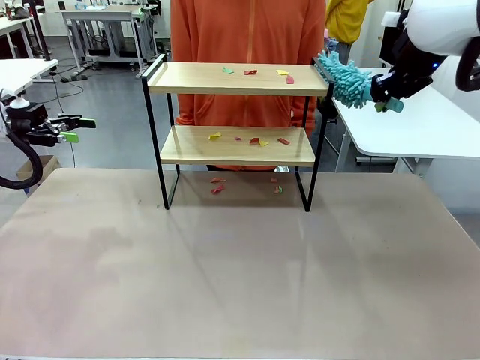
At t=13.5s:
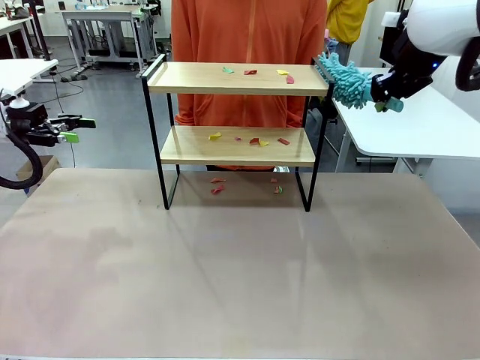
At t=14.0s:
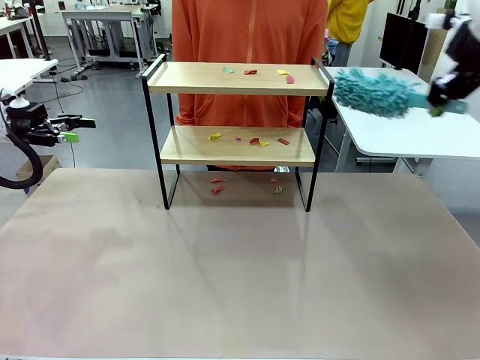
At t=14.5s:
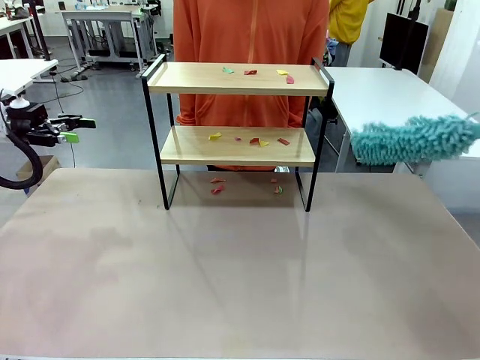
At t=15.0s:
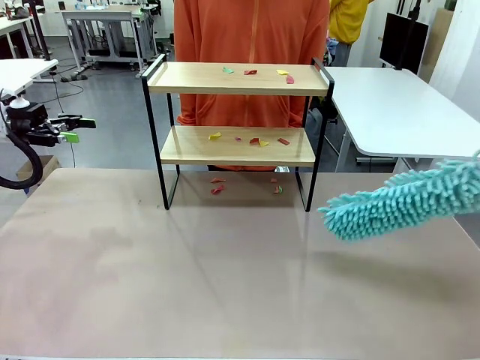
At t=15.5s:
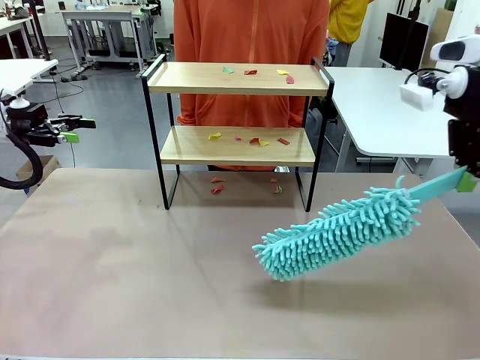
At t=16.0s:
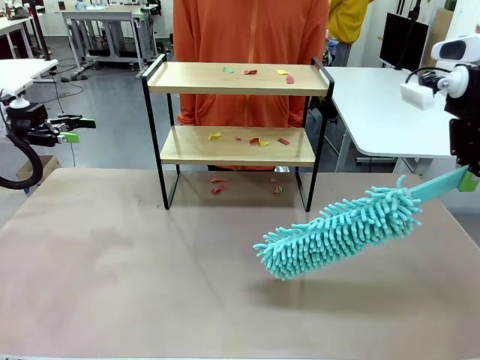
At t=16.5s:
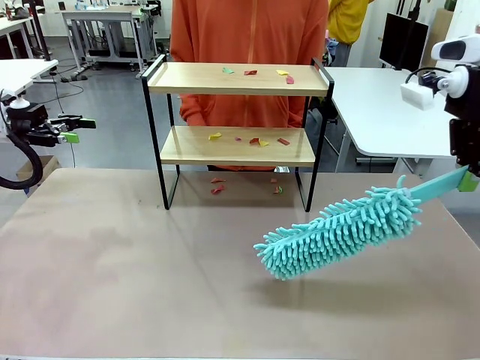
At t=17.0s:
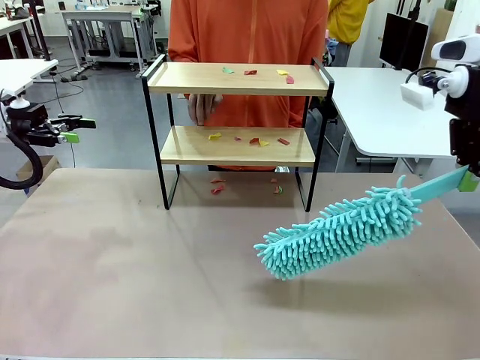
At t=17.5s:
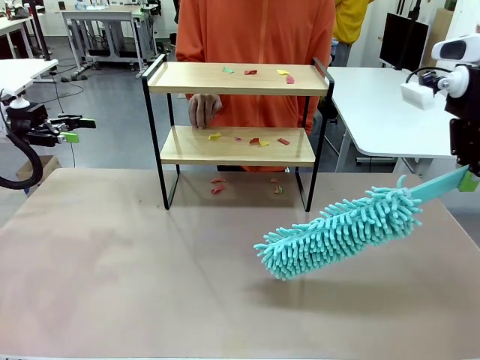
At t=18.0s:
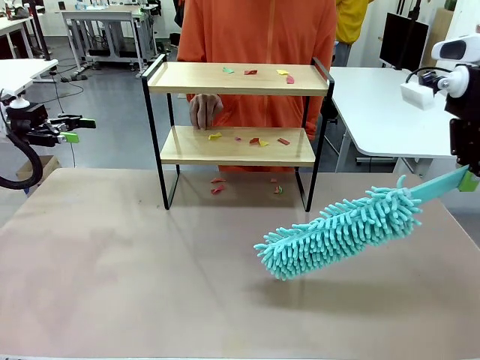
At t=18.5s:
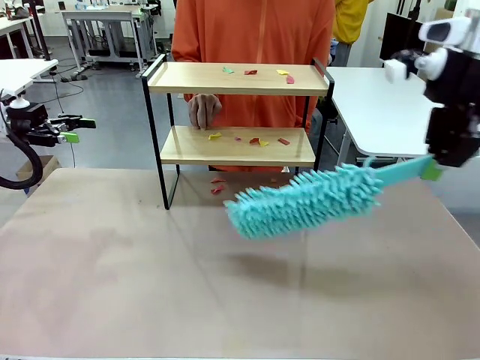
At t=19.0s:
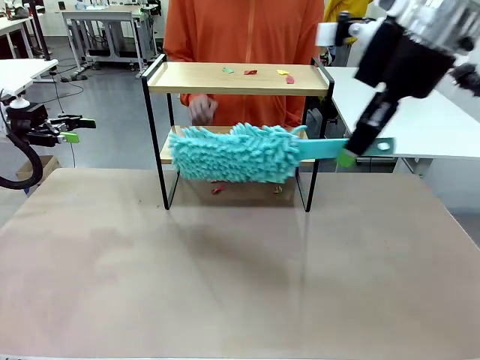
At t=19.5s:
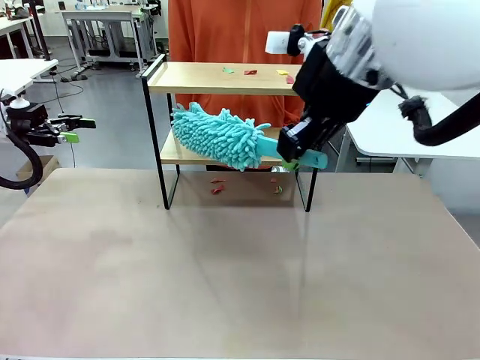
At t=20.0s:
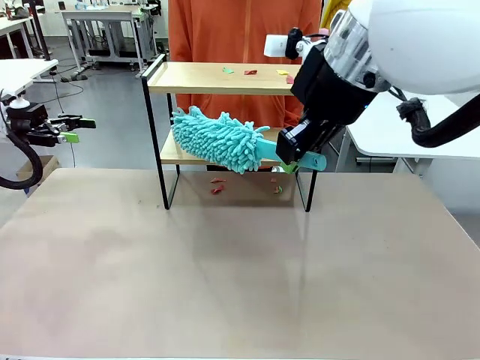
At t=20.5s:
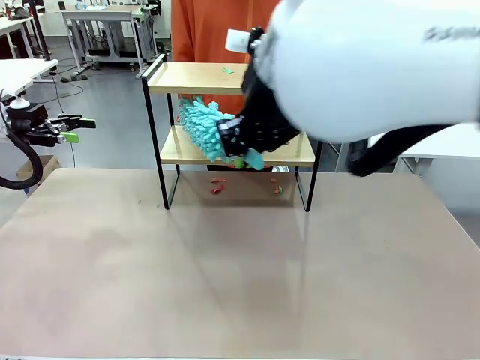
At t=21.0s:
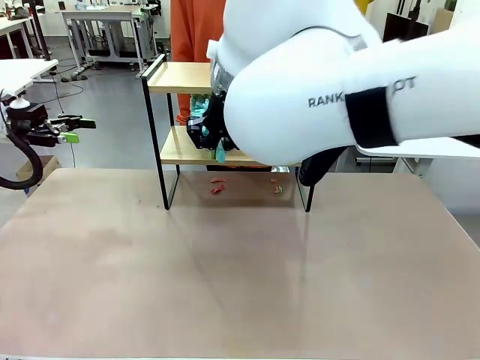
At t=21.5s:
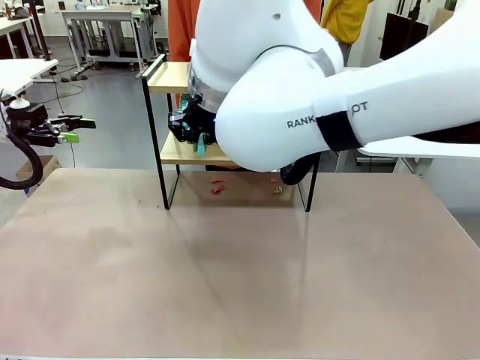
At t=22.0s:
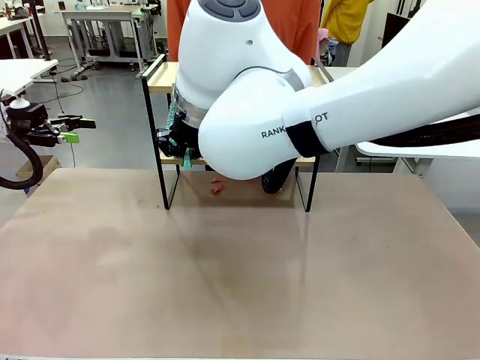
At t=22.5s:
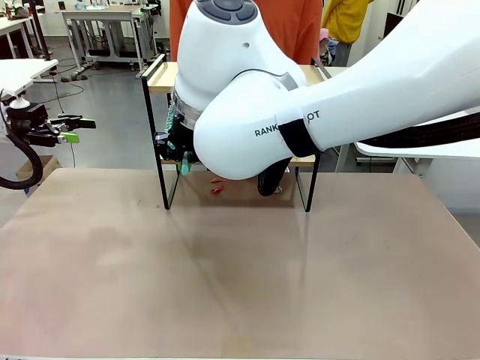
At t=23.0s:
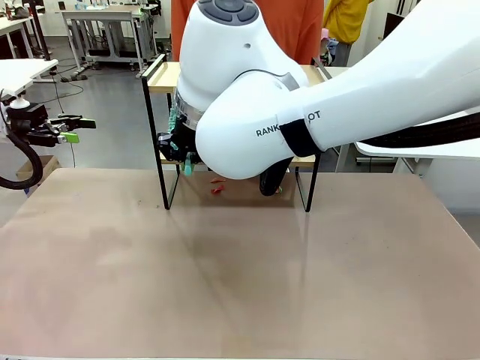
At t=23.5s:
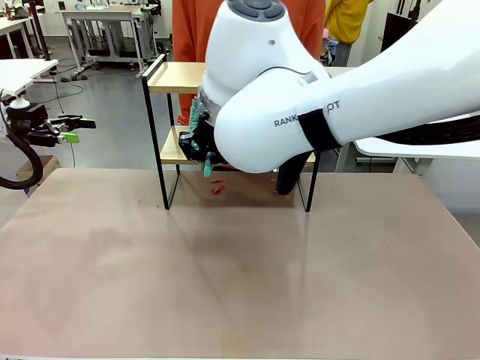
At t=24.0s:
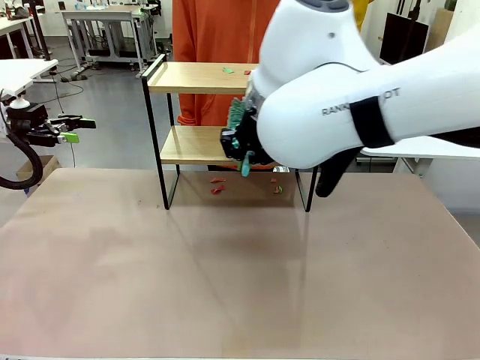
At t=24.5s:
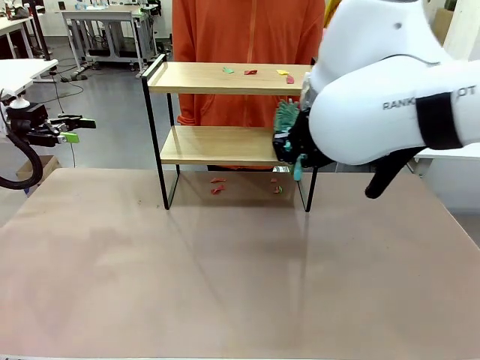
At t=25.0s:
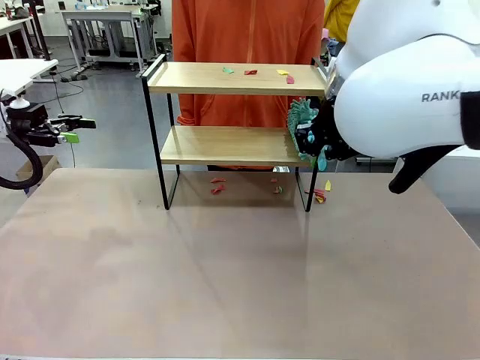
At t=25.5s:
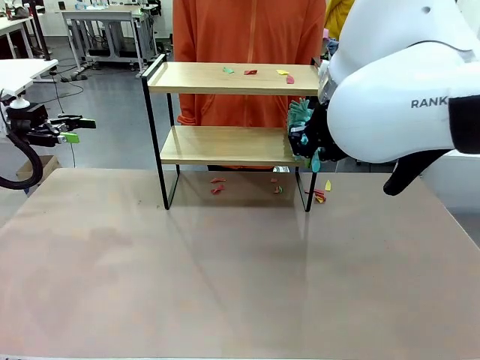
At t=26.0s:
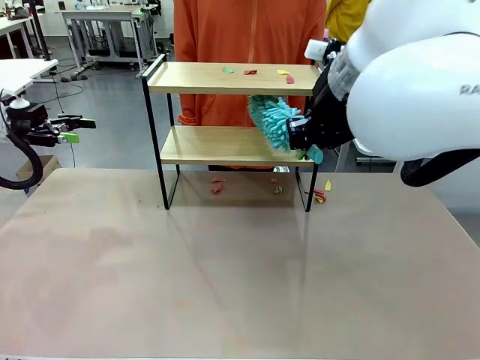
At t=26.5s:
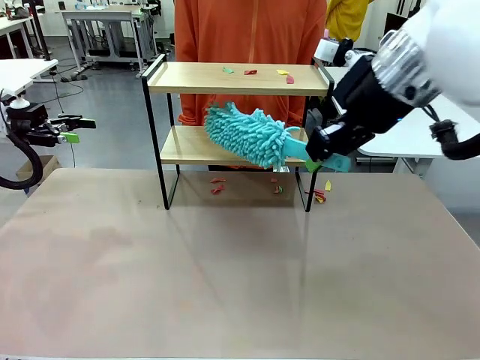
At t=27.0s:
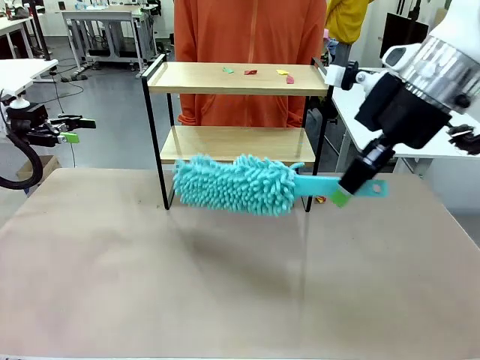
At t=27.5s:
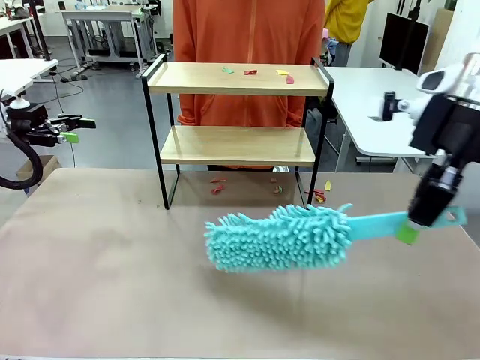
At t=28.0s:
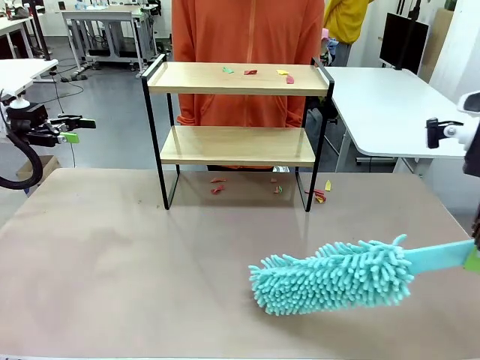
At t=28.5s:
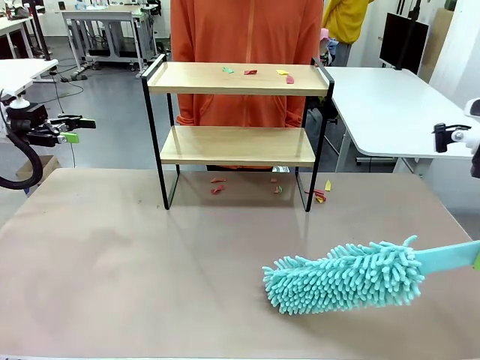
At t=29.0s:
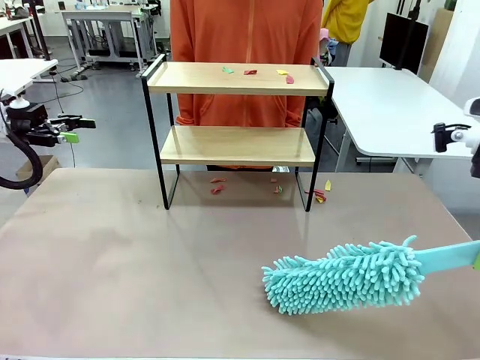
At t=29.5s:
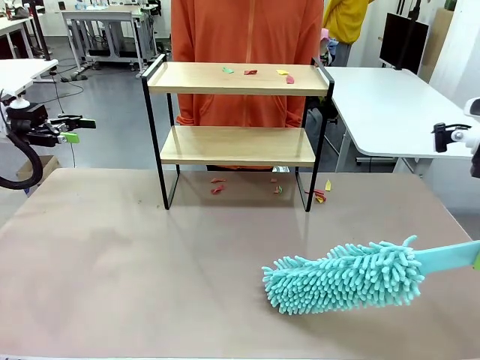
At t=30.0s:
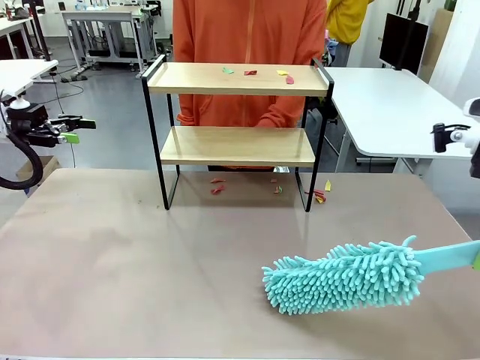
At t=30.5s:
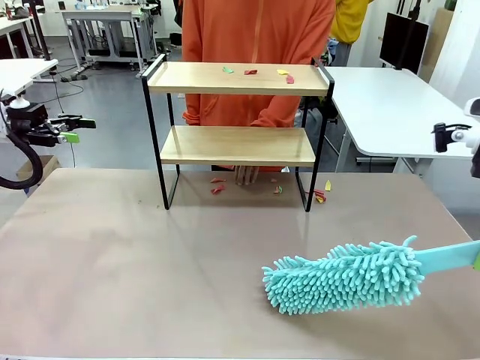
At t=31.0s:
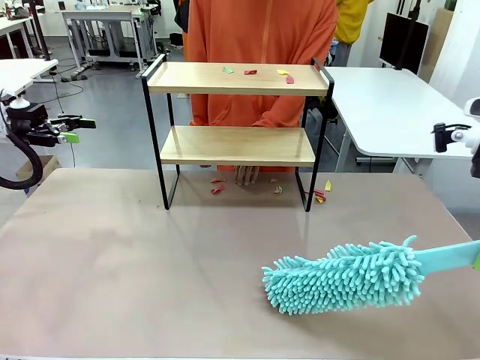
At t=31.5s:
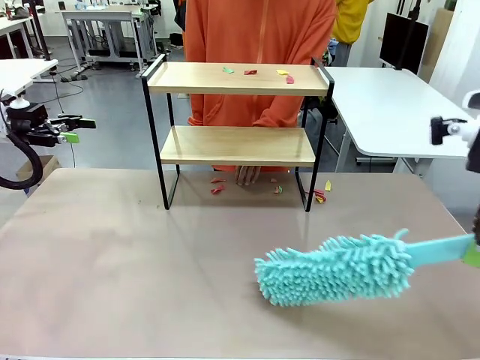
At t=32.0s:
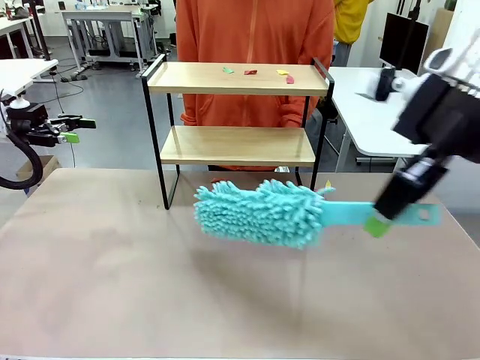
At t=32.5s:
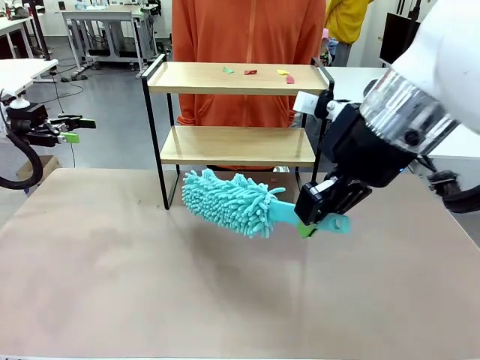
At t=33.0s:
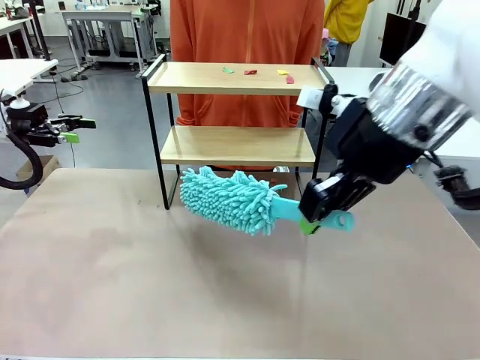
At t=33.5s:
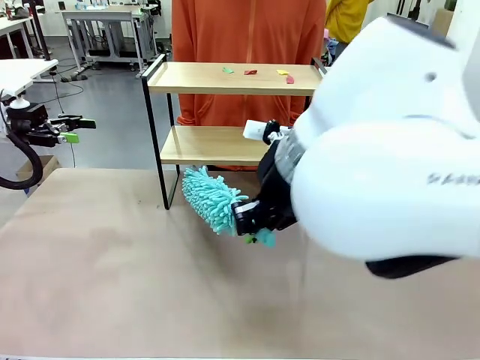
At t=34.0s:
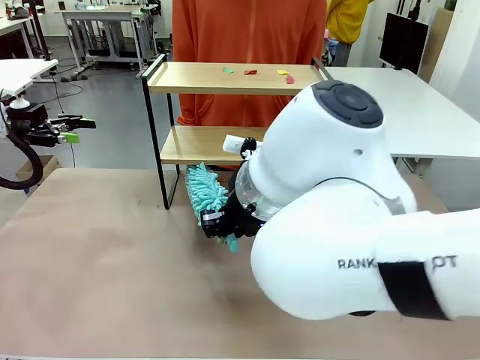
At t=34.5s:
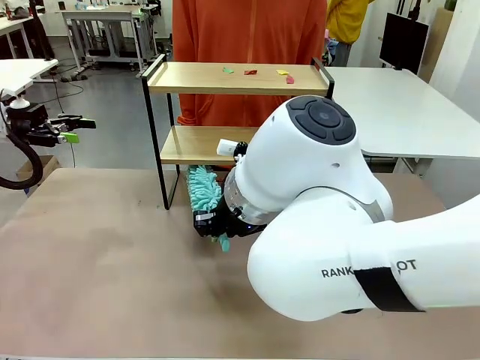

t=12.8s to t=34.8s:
Task: Clean the shelf.
Robot: Clean the specific section of the Shelf indicated by the human with the Duster.
Person: Point a random section of the Shelf.

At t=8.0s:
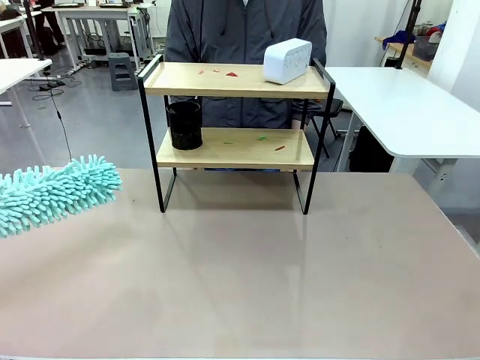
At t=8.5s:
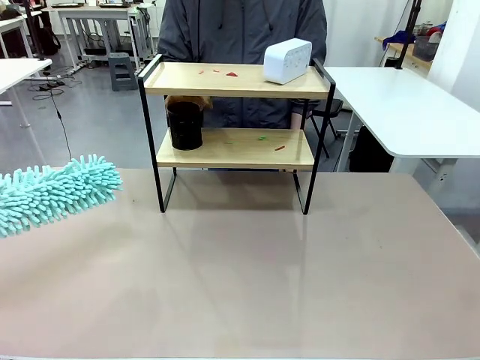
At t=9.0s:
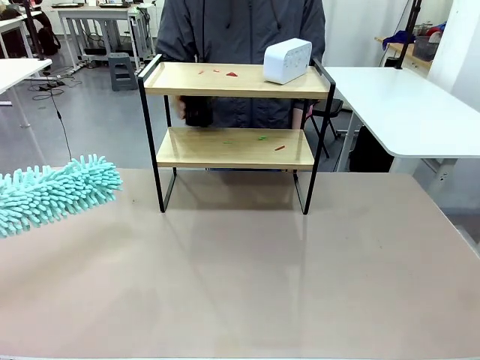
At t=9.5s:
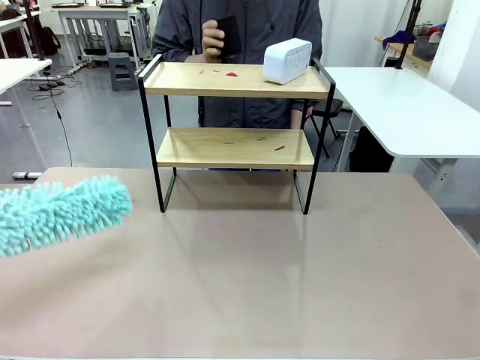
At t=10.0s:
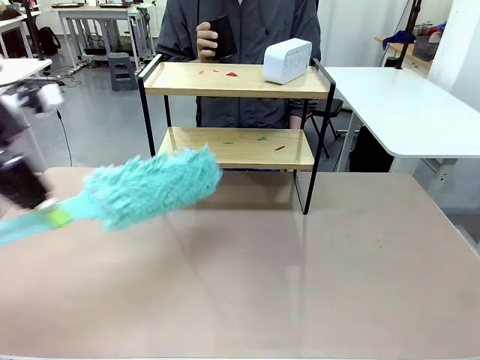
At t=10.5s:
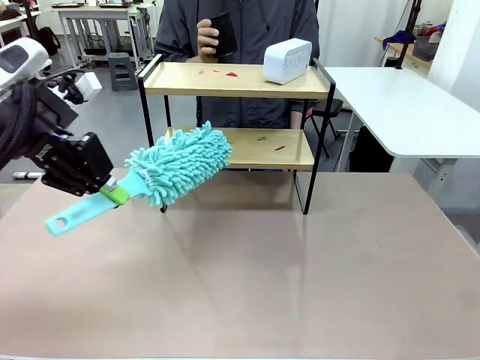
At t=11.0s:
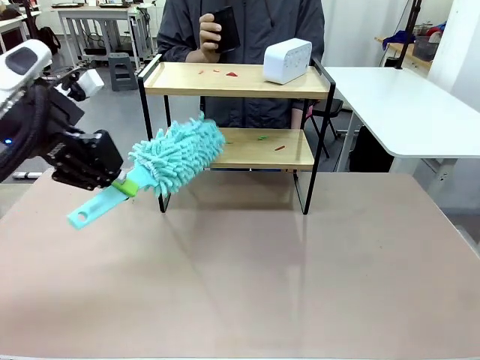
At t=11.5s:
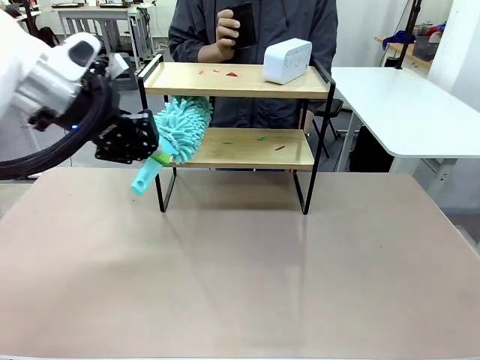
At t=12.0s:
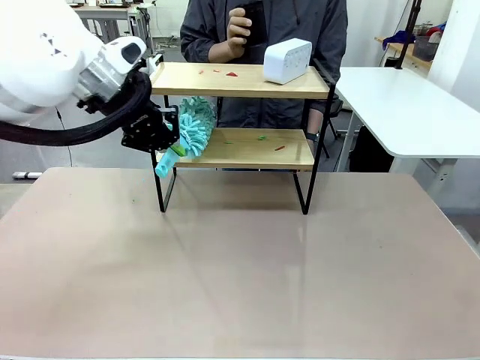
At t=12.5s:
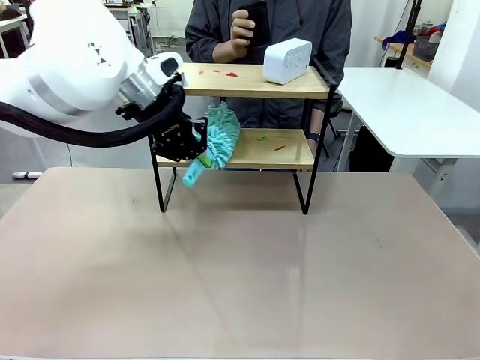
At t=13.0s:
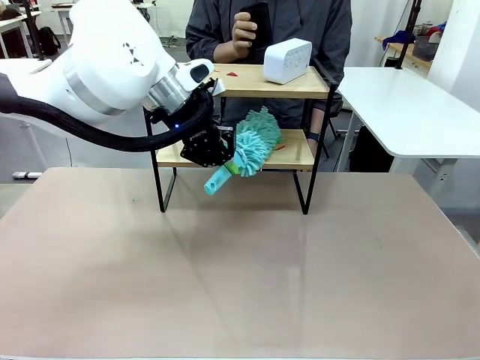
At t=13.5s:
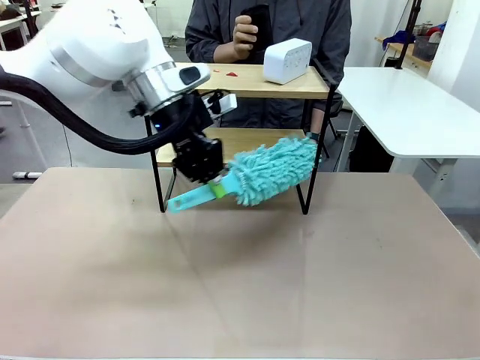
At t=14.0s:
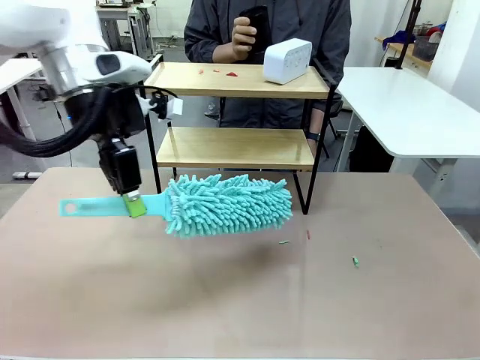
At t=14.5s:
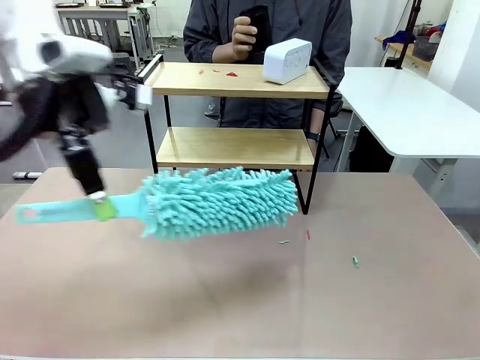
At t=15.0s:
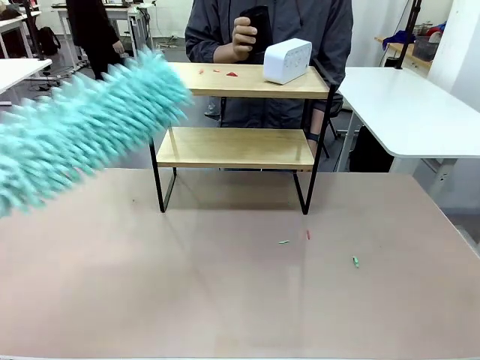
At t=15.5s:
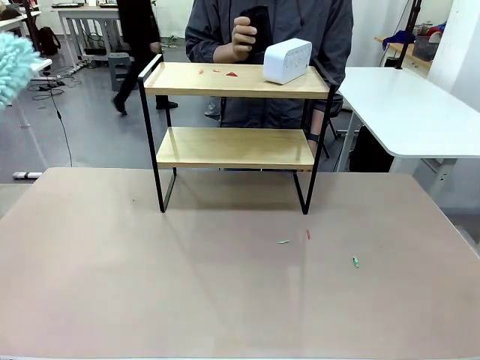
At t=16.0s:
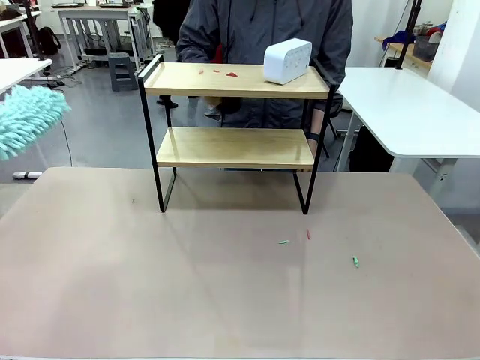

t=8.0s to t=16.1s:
Task: Clean the shelf.
Robot: Clean the specific tier of the Shelf with the Duster once objects are removed.
Person: Lift the objects on a randomly selected tier of the Shelf. Once the robot finishes cleaning, lift the objects on the remaining tiers of the Shelf.
